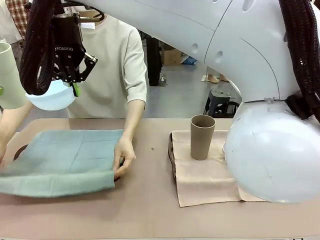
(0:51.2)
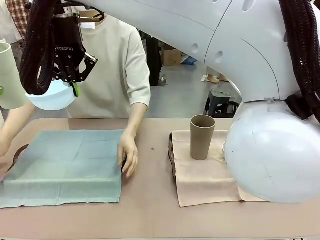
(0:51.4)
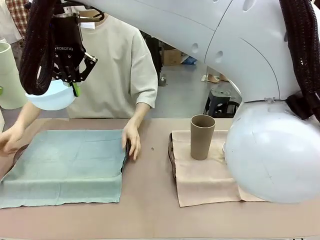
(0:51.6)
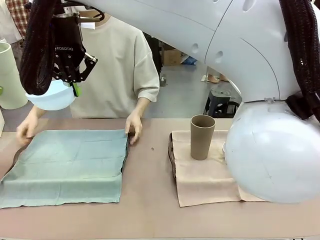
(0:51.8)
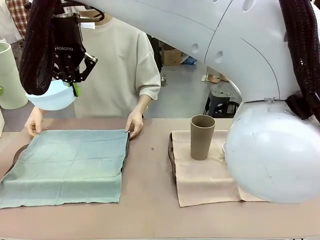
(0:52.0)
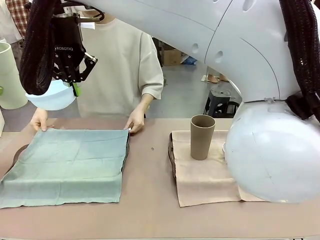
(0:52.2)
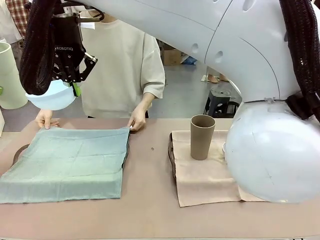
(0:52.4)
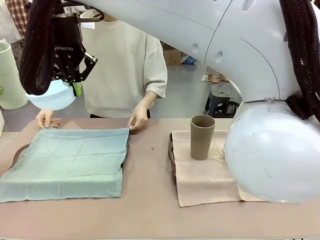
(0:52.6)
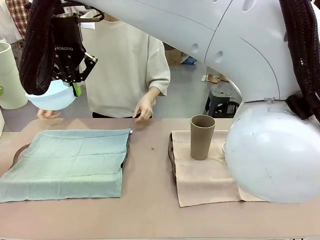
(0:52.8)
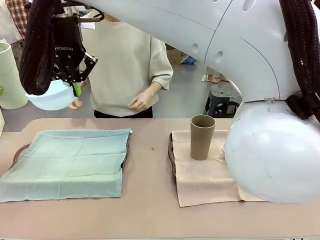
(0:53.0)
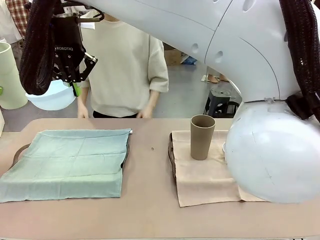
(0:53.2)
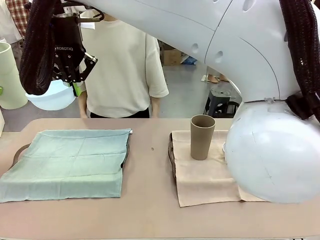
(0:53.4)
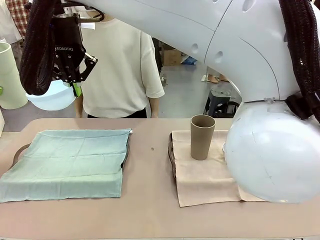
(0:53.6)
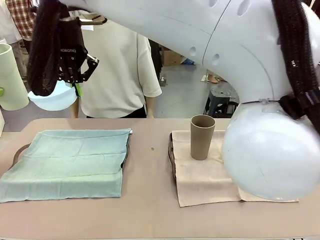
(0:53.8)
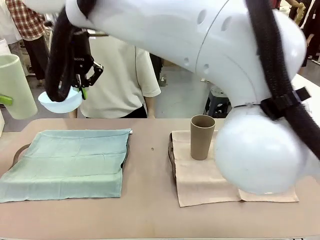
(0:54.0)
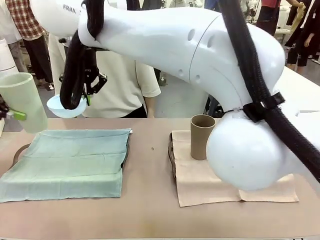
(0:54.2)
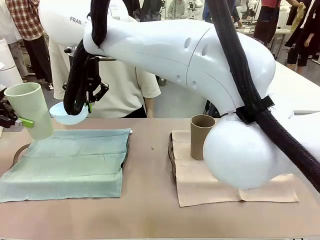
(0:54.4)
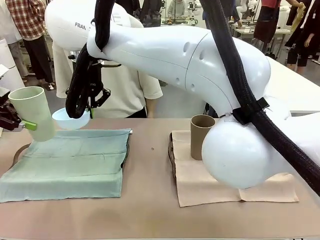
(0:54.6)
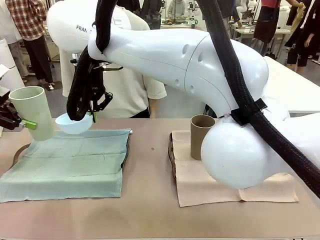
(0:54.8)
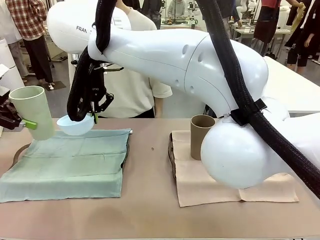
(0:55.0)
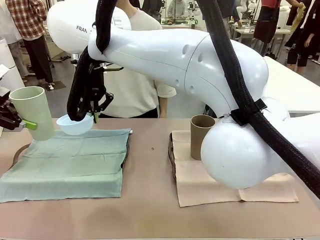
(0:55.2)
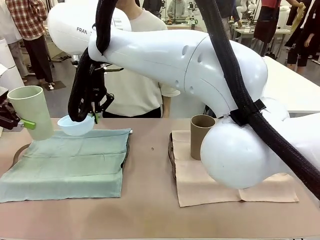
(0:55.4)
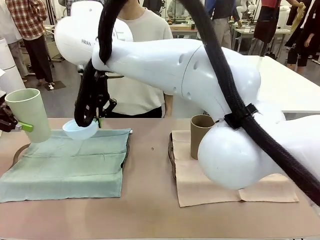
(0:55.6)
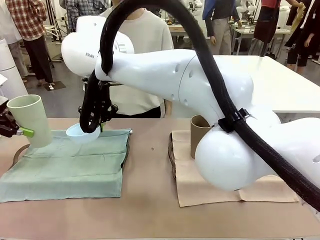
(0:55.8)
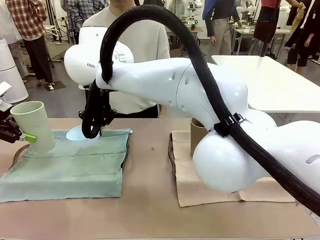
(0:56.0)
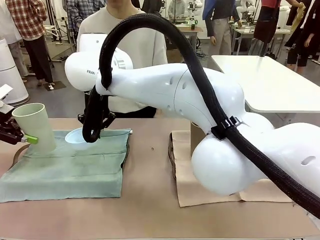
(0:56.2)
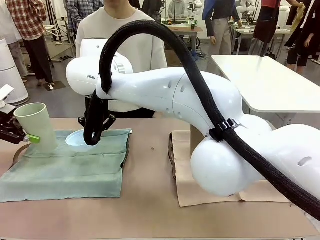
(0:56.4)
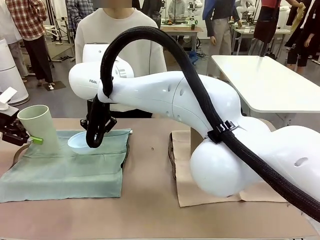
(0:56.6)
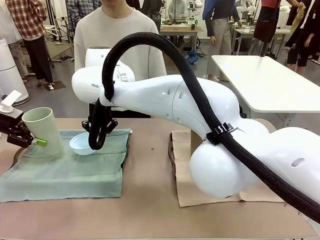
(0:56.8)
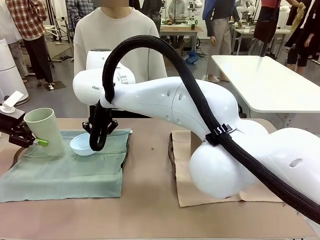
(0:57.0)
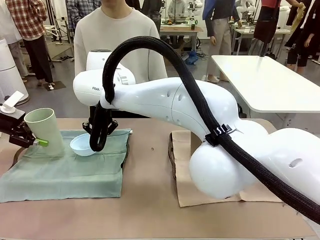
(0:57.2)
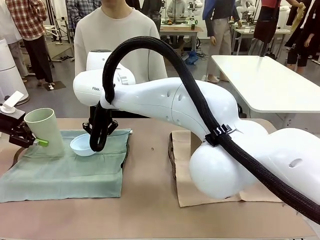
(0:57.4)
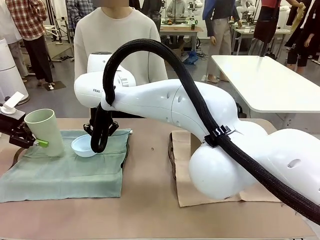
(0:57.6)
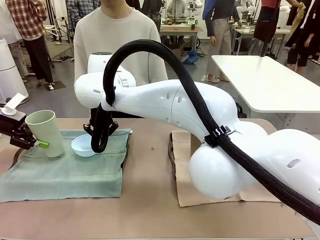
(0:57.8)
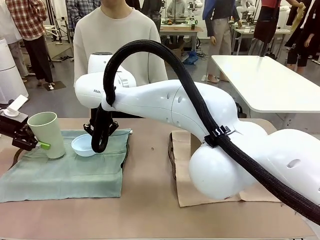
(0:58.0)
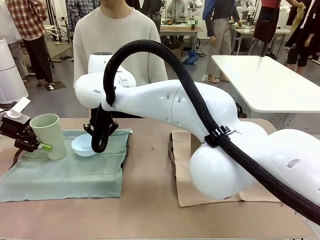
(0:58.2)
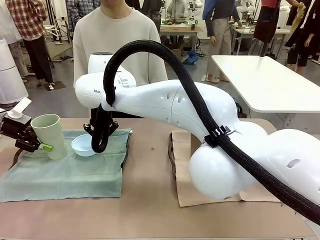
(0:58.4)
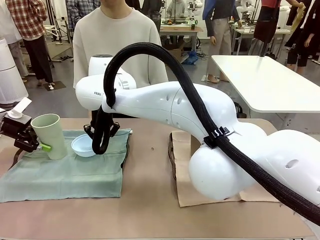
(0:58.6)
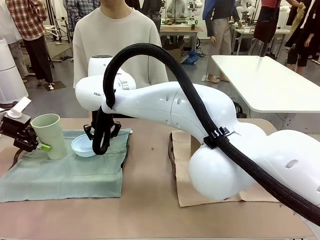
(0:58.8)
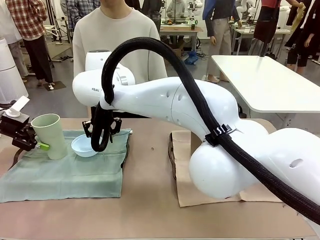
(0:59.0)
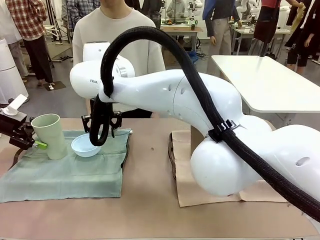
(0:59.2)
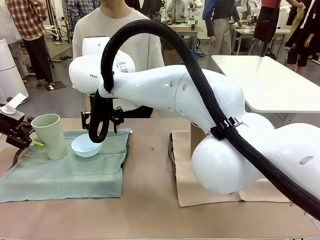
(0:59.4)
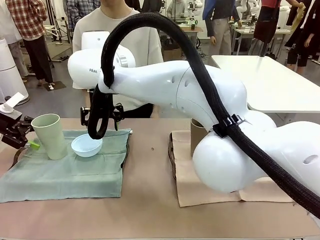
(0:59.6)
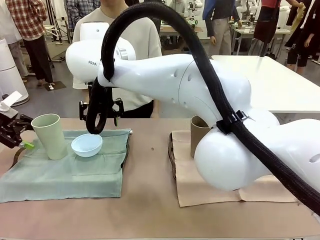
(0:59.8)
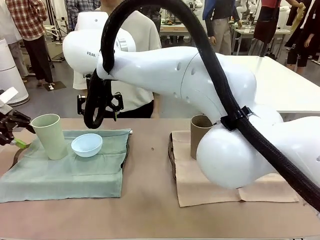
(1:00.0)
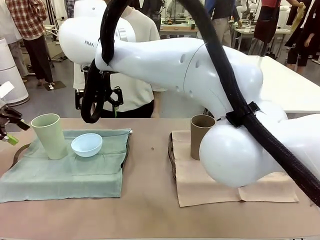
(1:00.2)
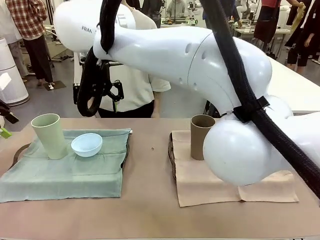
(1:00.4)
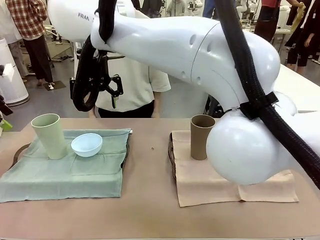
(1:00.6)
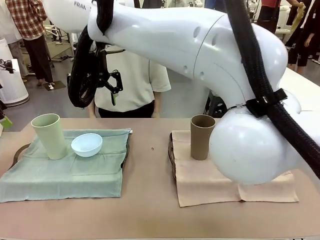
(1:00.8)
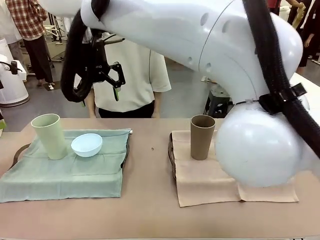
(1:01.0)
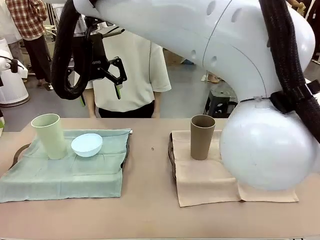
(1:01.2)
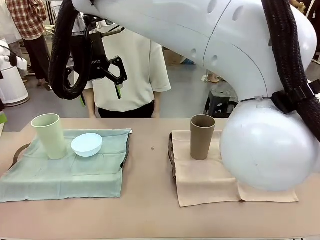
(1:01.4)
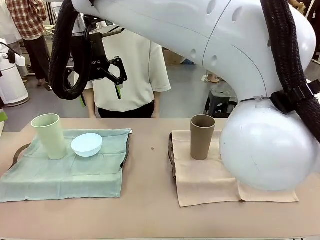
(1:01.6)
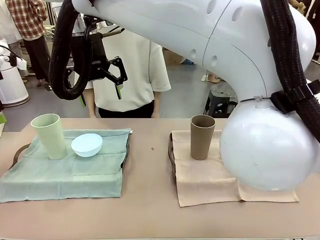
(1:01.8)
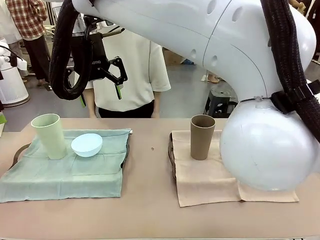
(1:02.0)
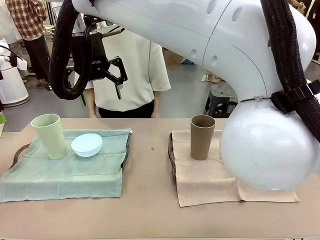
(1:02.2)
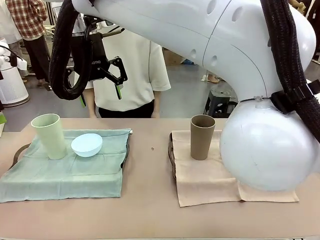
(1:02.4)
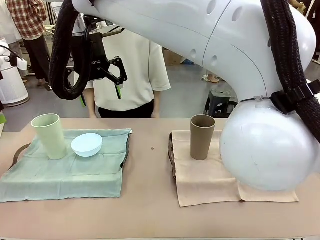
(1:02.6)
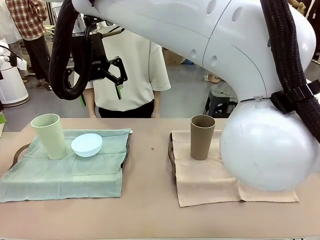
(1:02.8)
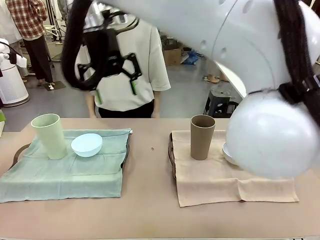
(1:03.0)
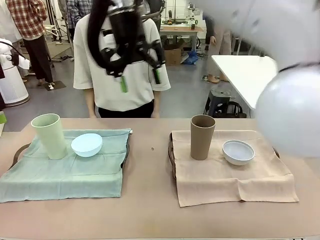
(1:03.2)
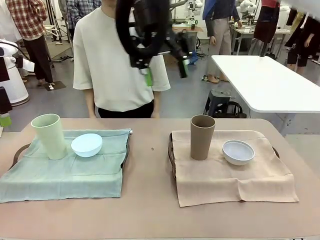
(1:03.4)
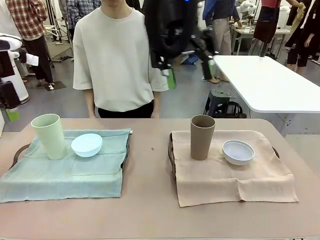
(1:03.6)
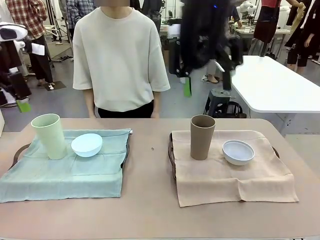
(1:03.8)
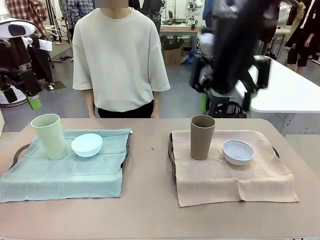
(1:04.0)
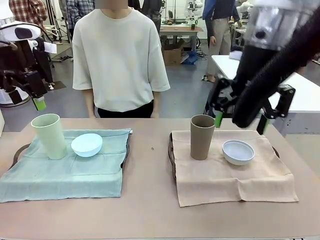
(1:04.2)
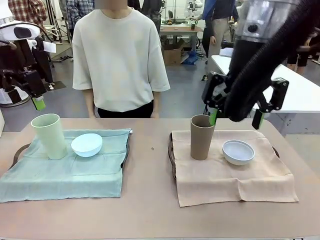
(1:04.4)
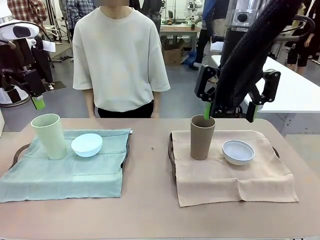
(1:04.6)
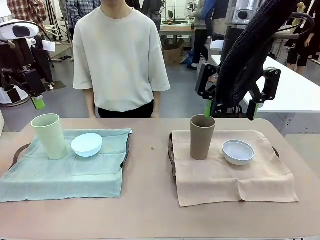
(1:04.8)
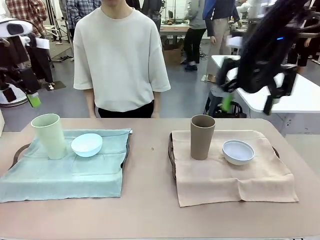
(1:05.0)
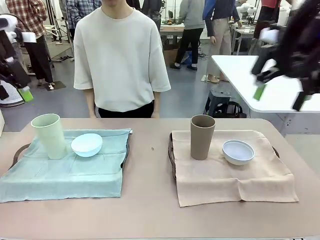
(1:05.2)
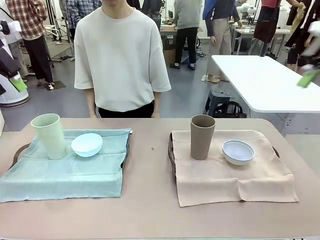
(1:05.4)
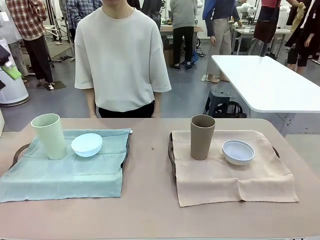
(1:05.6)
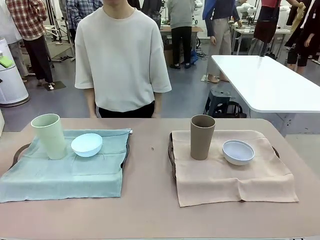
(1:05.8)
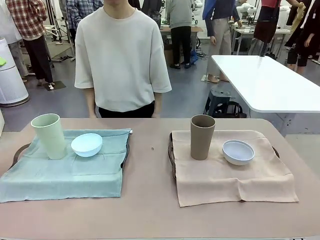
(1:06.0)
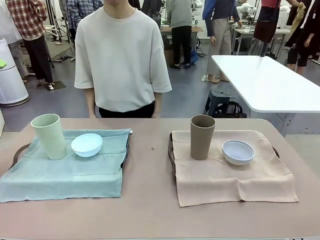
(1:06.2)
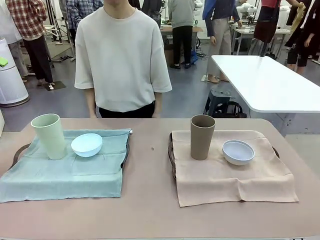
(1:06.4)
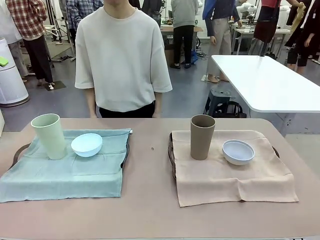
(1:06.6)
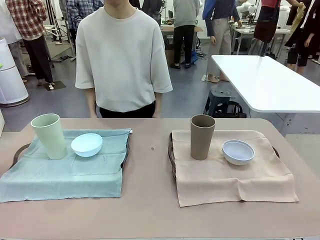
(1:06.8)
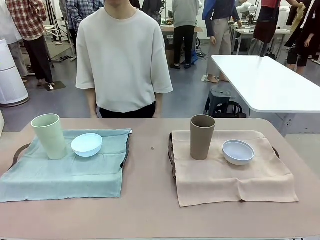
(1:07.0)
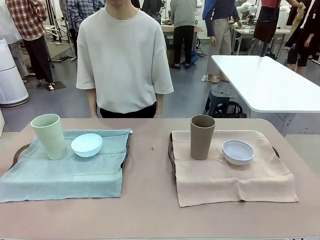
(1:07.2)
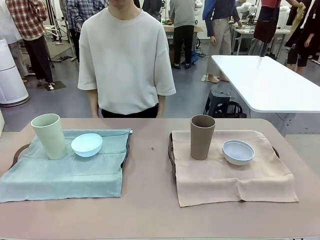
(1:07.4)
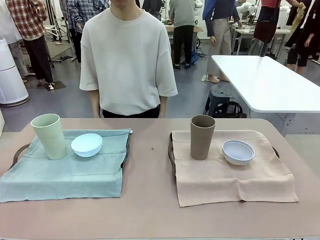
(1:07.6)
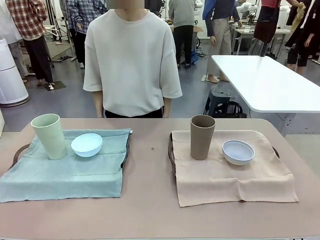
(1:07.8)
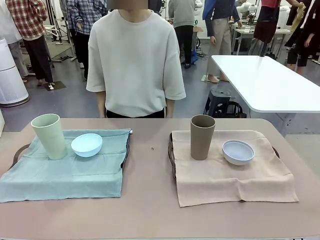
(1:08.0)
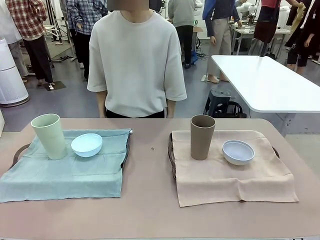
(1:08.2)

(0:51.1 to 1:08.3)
Robot: Place the Picnic Bowl and Reusable plastic cup back onto the Handle tray in front of the human's position.

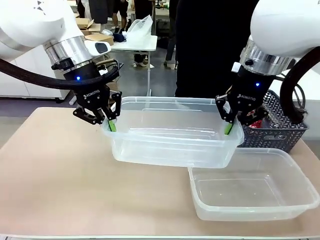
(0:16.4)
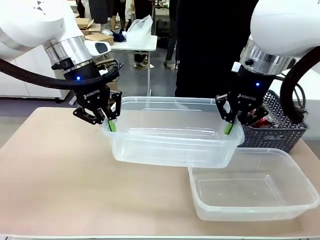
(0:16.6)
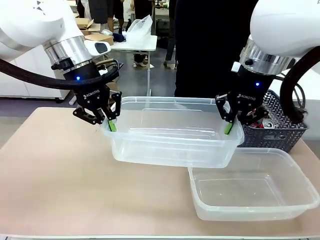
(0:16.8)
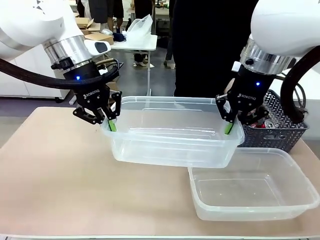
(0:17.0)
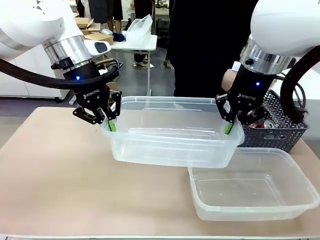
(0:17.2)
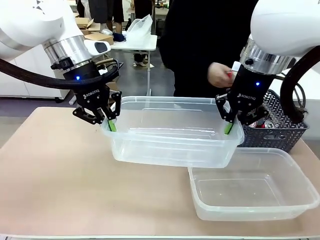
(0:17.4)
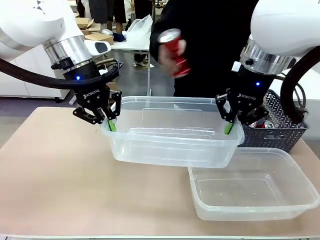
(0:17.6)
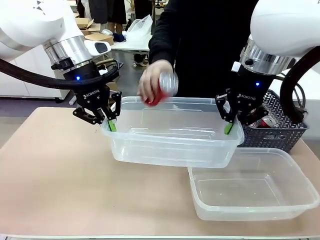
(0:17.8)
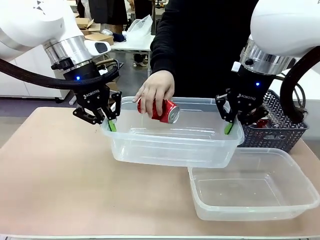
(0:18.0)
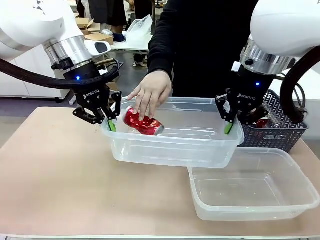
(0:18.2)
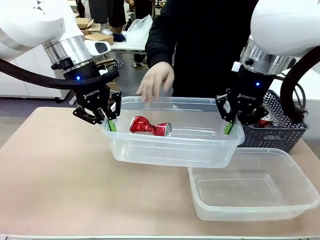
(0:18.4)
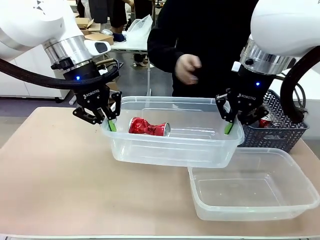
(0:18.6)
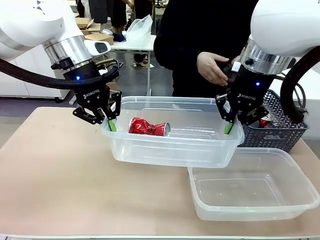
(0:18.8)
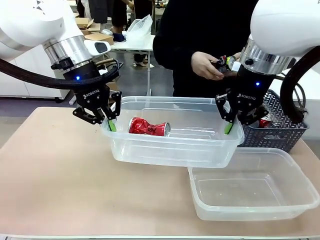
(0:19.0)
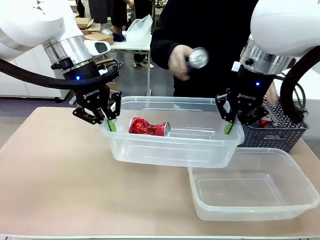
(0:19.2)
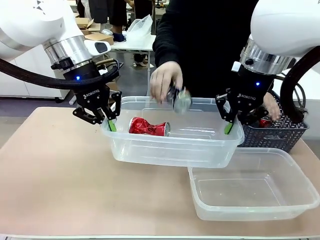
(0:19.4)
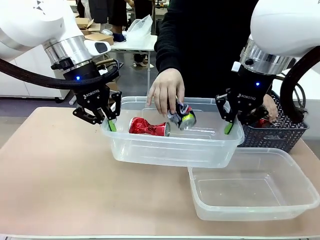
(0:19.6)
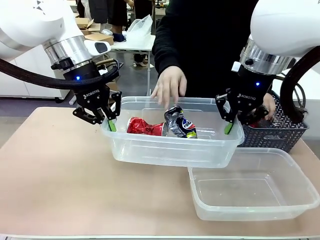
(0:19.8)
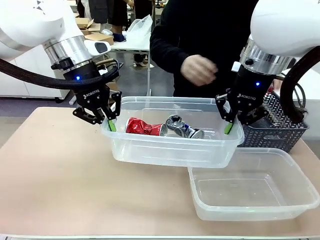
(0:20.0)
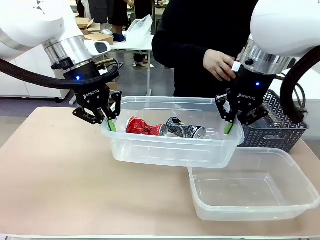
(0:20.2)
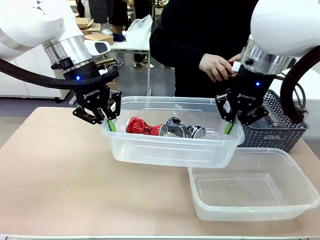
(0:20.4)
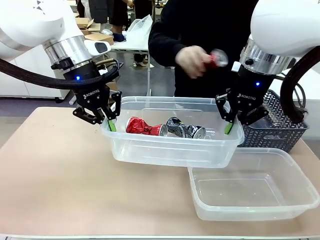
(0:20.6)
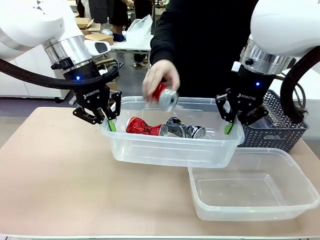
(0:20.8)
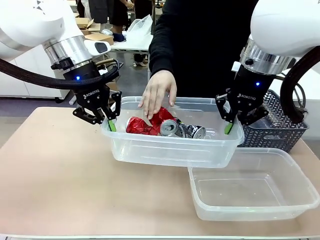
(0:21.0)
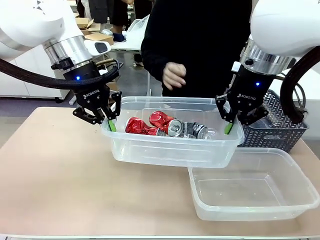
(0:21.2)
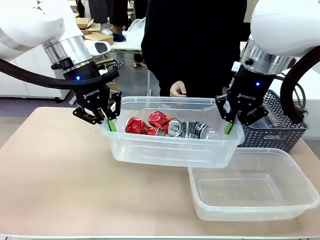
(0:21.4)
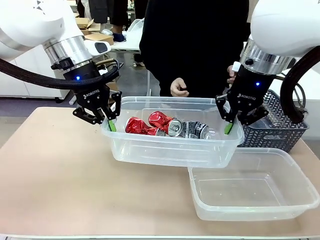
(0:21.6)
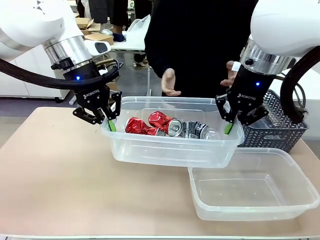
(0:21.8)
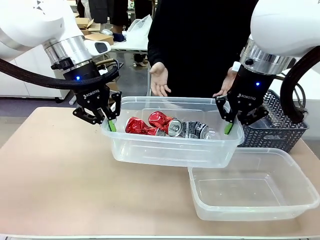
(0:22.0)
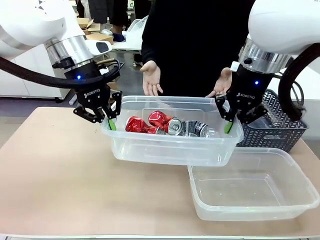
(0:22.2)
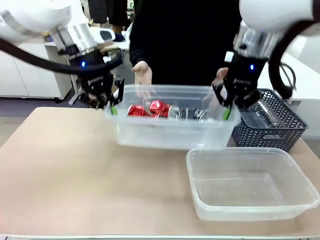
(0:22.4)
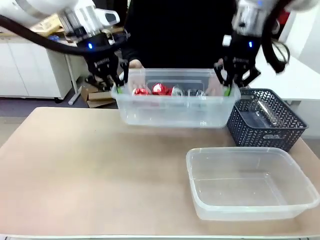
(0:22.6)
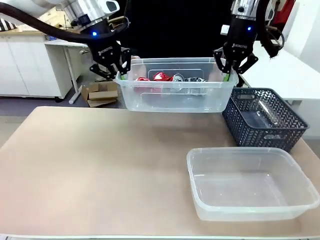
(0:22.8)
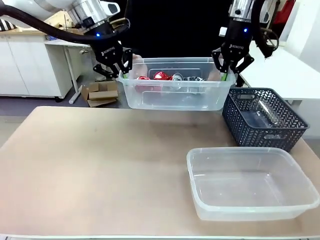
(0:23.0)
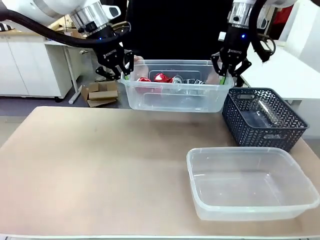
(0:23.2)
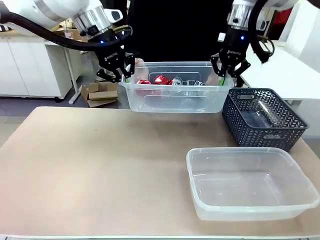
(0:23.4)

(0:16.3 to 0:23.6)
Robot: Offer the picked Organizing box to the human.
